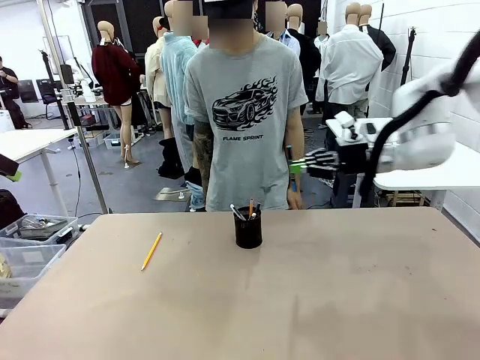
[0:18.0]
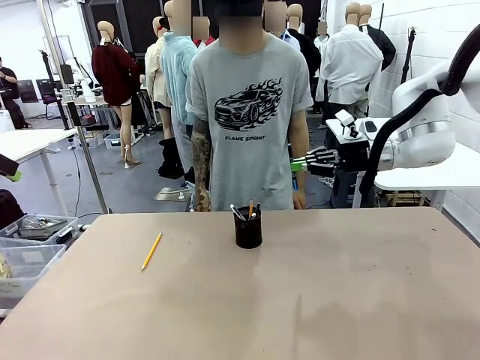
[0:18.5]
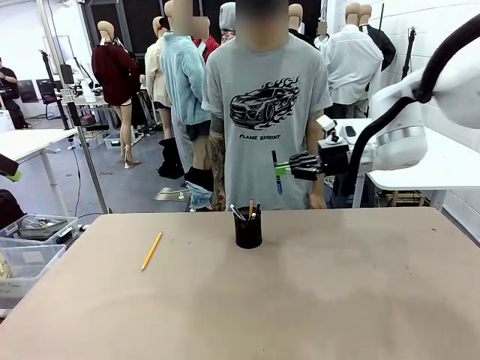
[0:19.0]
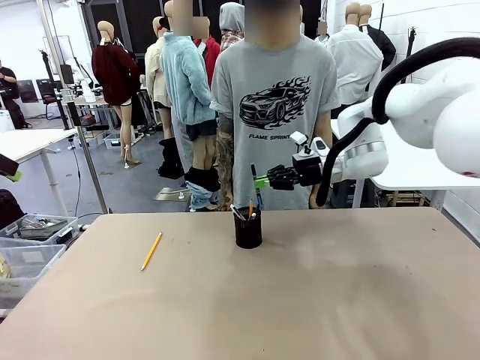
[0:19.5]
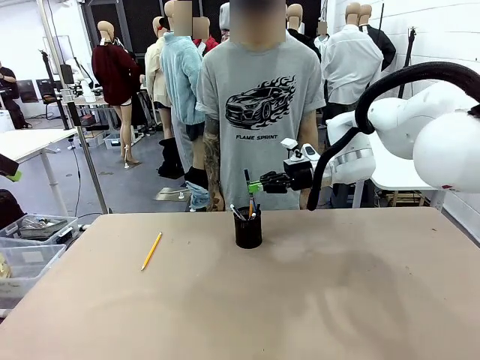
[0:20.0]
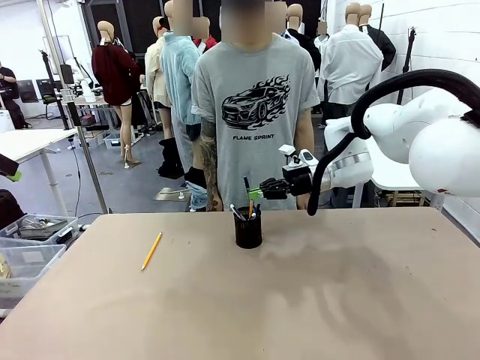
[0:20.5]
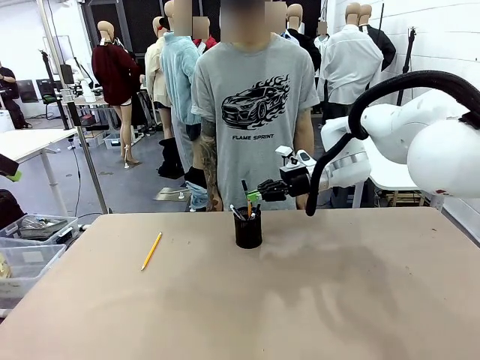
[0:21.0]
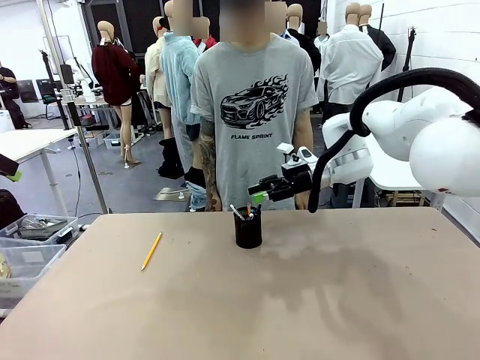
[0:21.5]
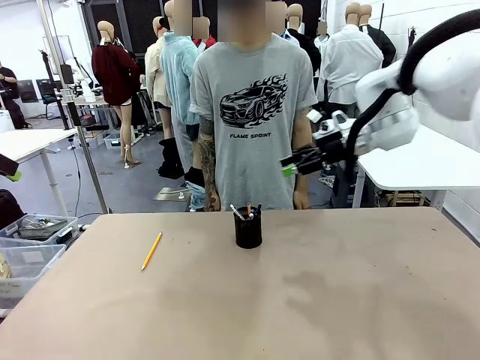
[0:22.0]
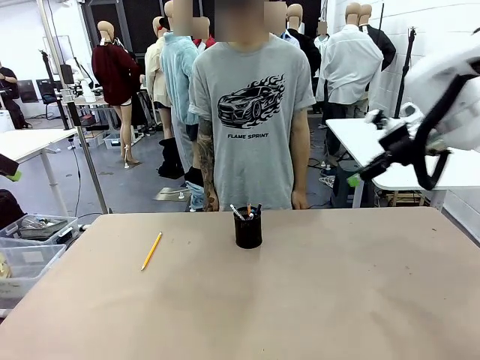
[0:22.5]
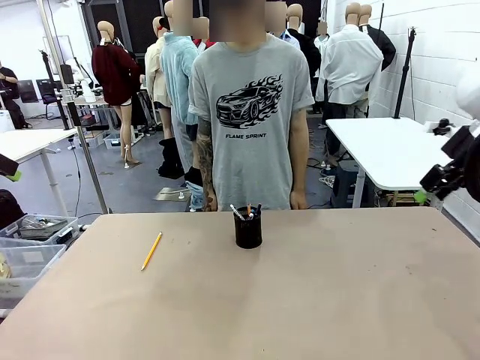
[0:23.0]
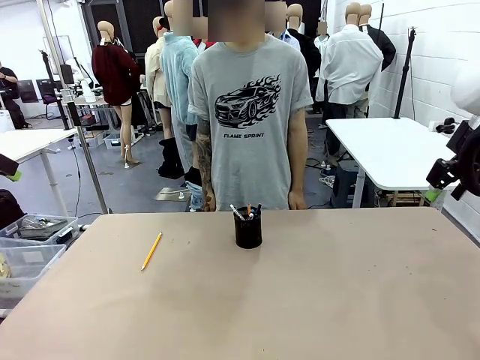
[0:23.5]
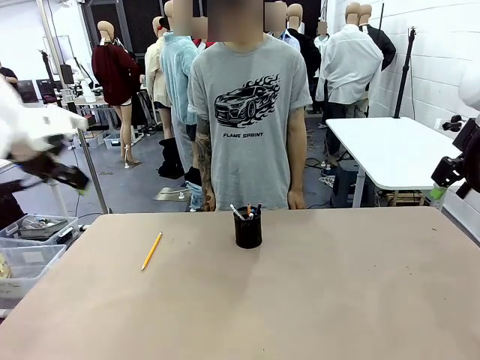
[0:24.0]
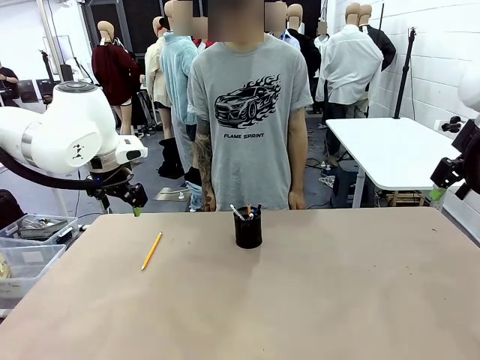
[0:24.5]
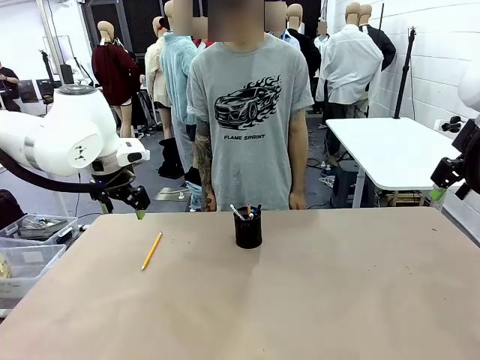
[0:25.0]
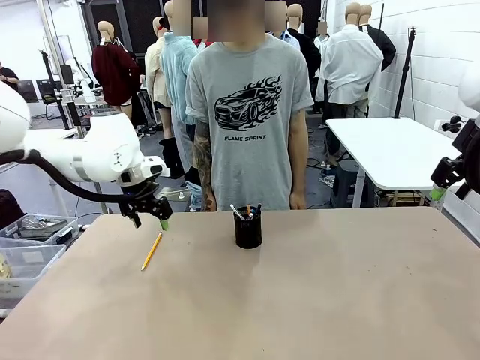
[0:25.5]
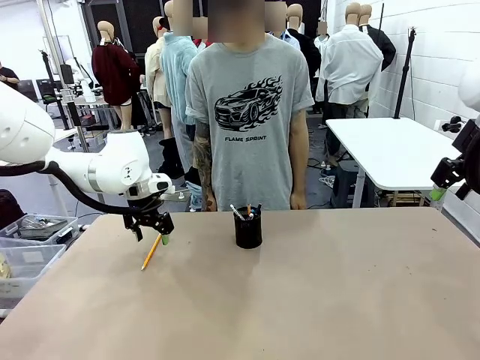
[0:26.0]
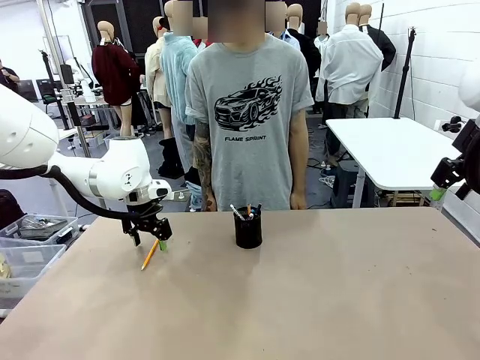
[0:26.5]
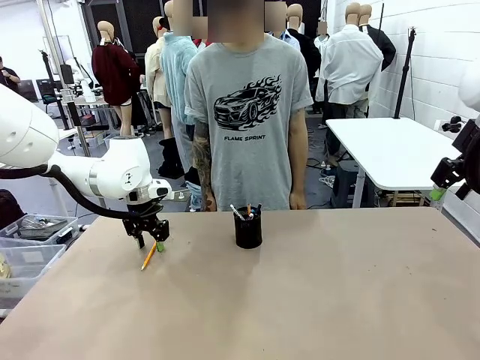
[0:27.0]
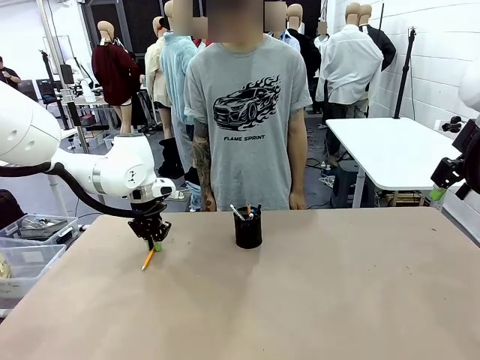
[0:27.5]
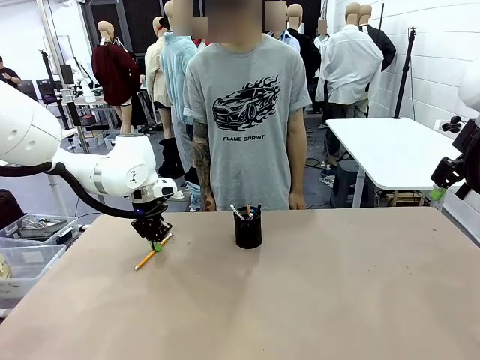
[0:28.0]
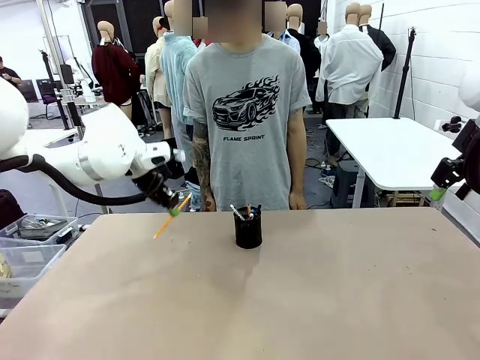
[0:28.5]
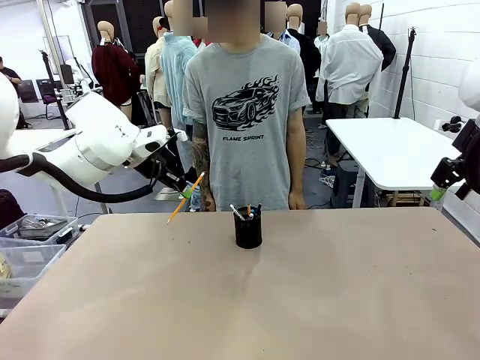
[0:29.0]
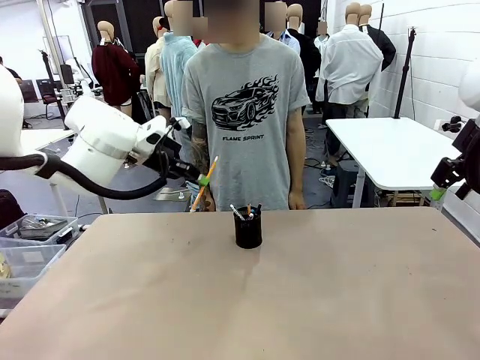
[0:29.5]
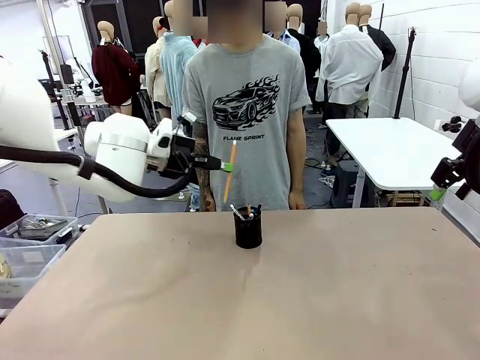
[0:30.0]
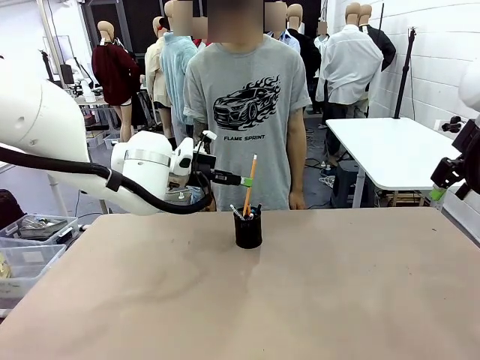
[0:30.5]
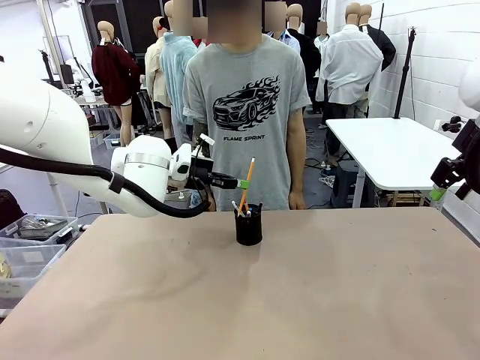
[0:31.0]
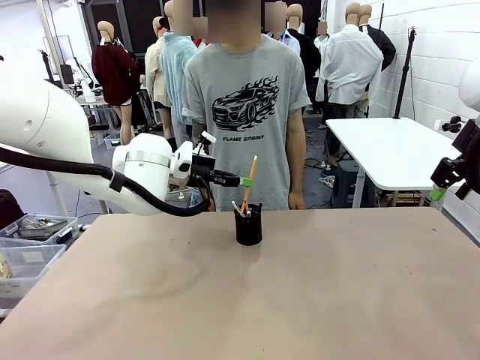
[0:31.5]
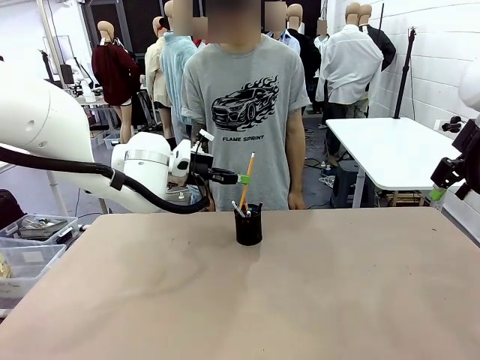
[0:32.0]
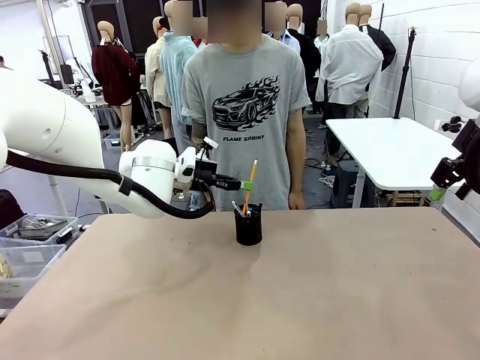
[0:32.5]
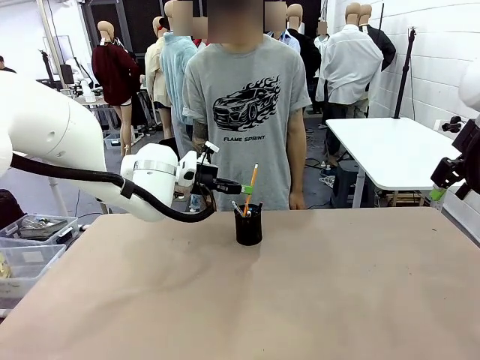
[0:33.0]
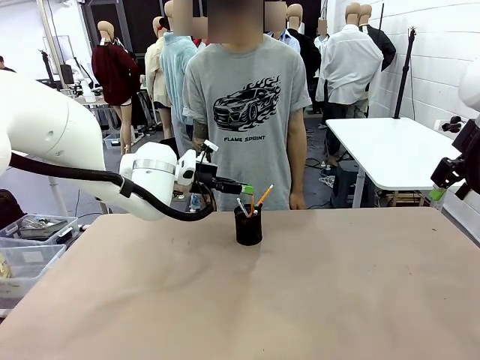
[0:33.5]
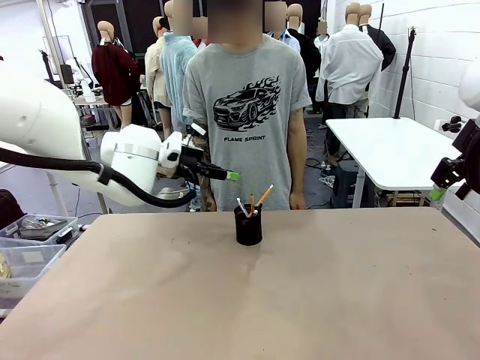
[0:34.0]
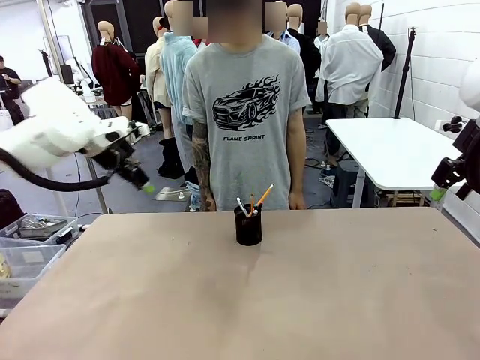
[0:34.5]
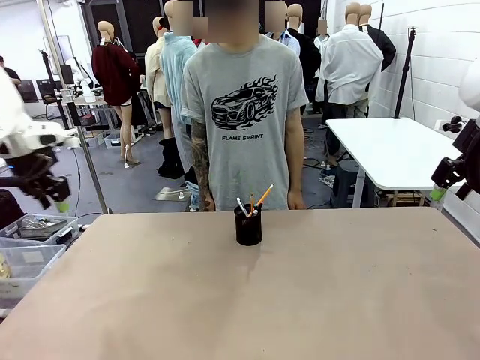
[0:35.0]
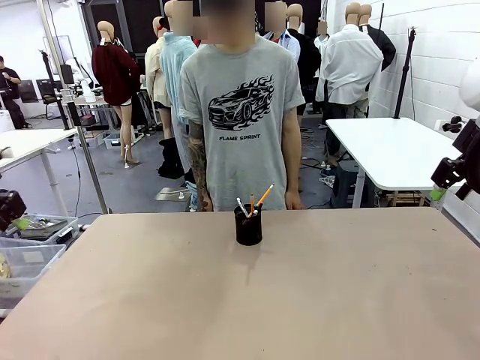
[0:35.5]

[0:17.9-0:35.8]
Task: Place the pens into the pen holder.
Robot: Pick up a writing instrument from the table and place it into the Pen holder.
Person: Place all writing instrument into the Pen holder.
